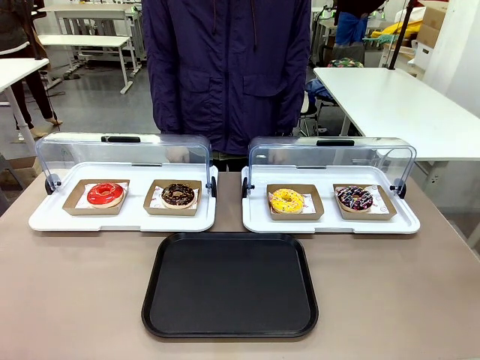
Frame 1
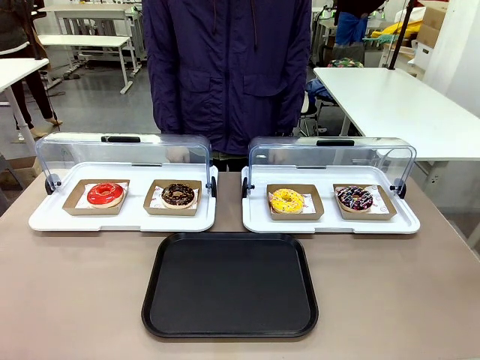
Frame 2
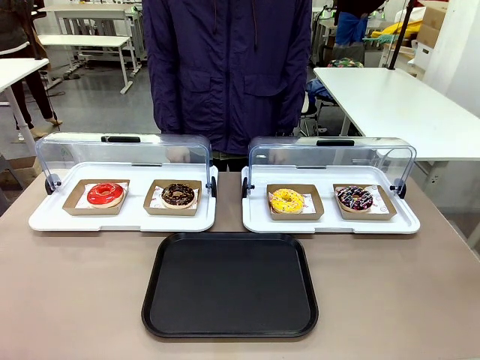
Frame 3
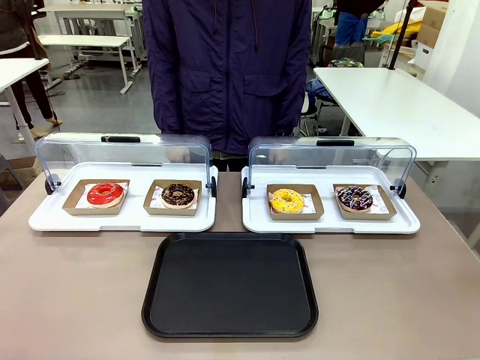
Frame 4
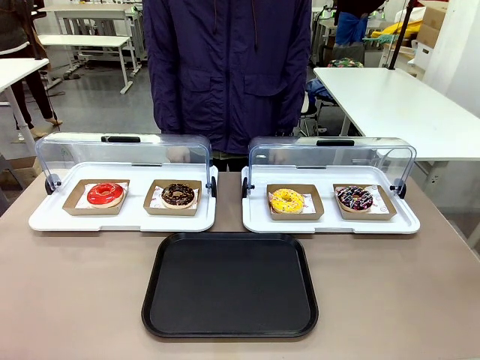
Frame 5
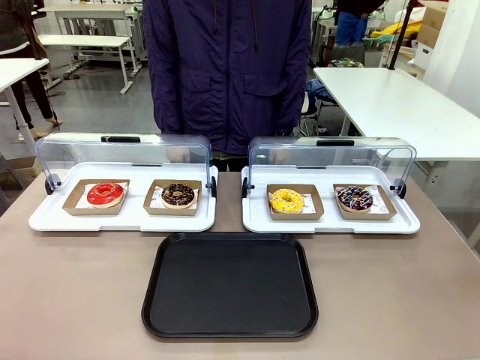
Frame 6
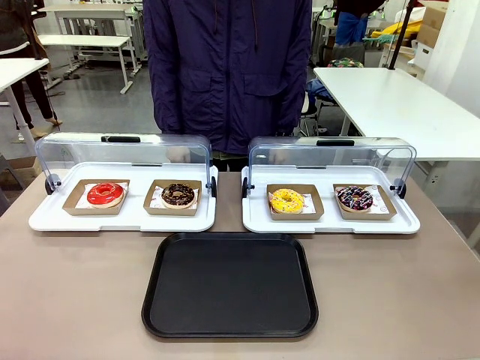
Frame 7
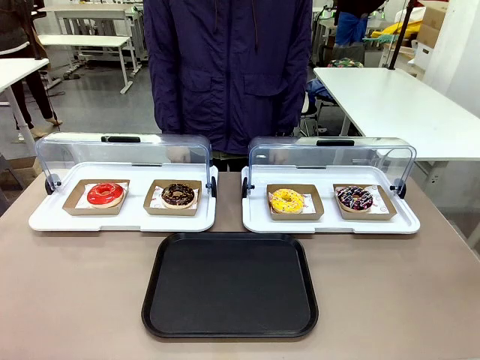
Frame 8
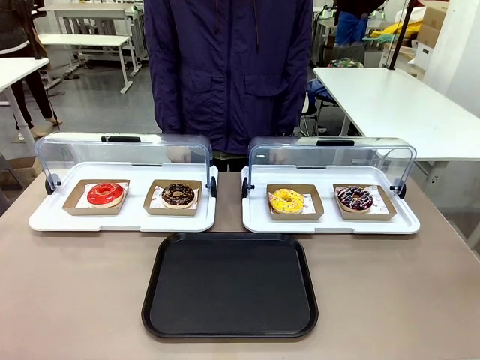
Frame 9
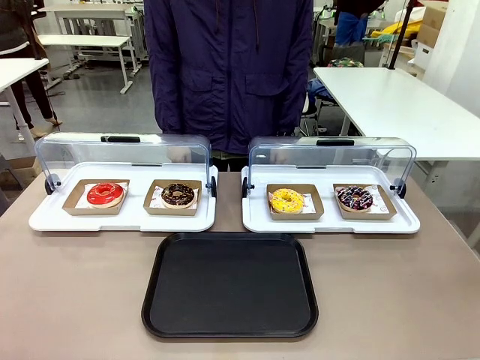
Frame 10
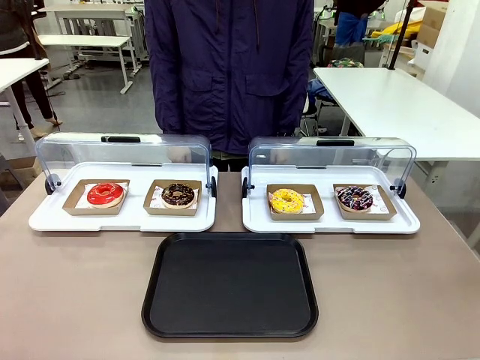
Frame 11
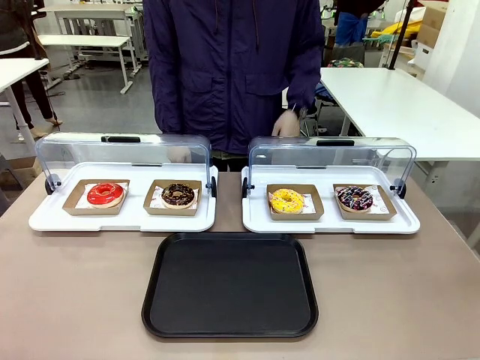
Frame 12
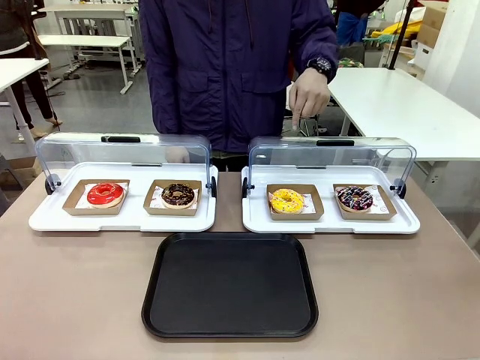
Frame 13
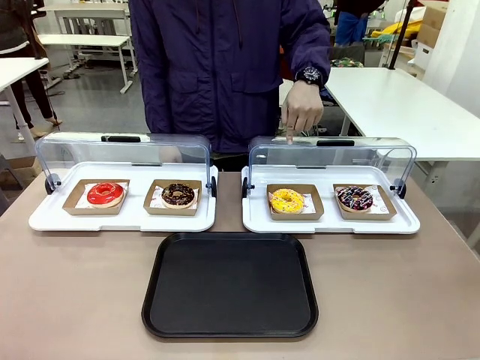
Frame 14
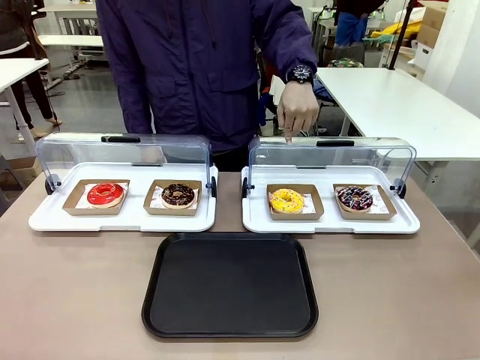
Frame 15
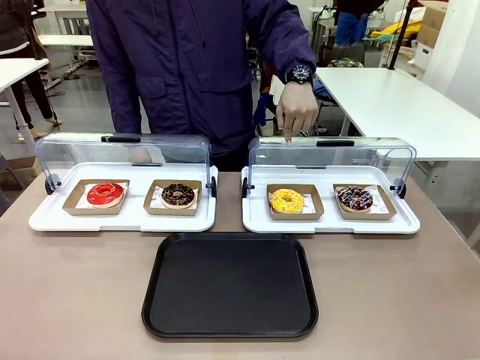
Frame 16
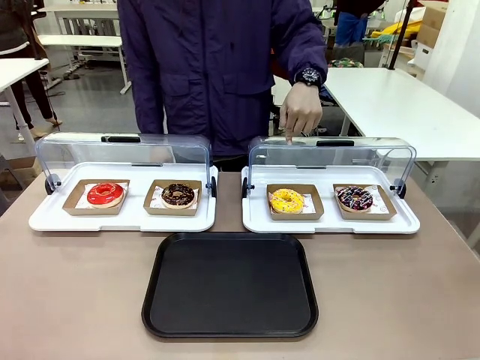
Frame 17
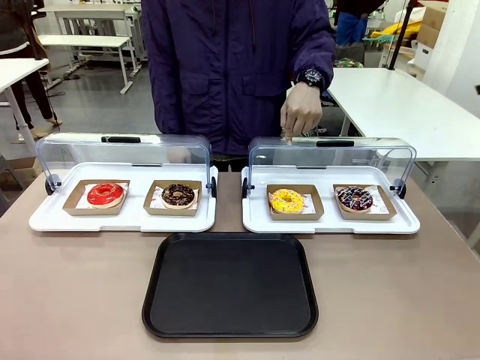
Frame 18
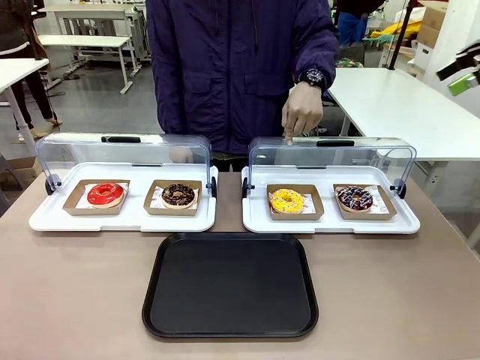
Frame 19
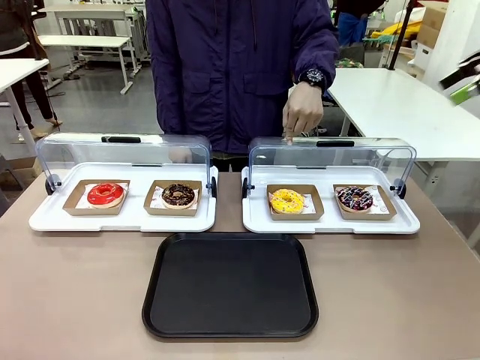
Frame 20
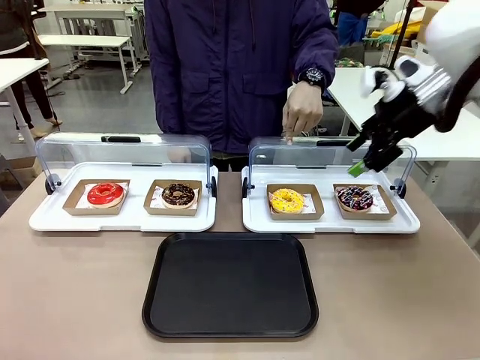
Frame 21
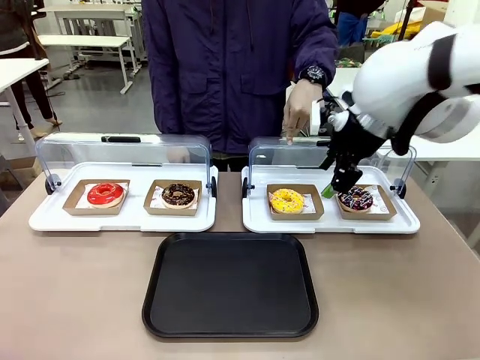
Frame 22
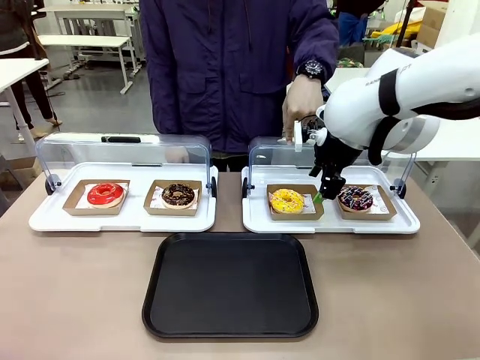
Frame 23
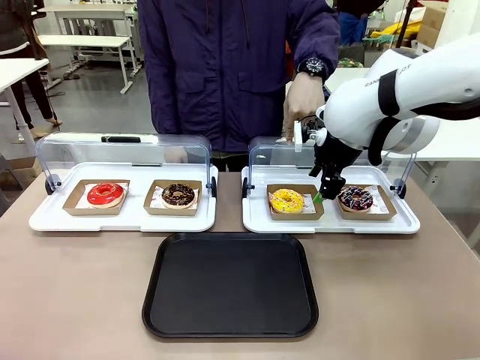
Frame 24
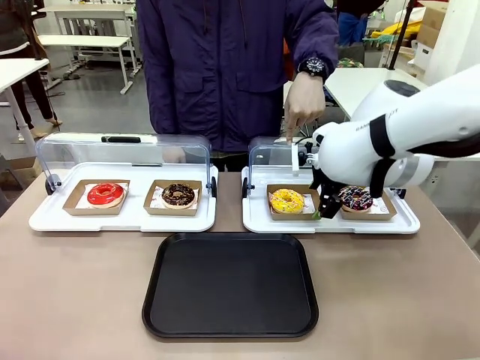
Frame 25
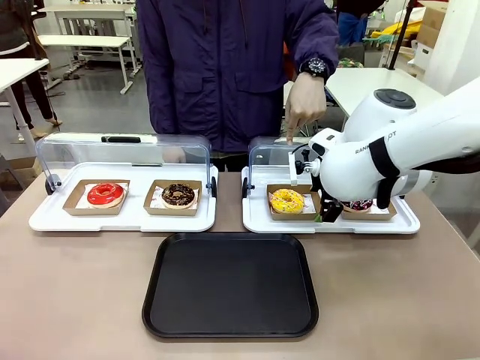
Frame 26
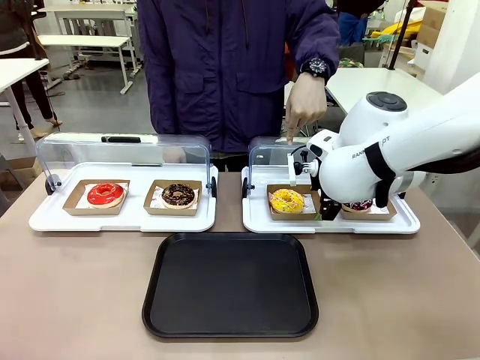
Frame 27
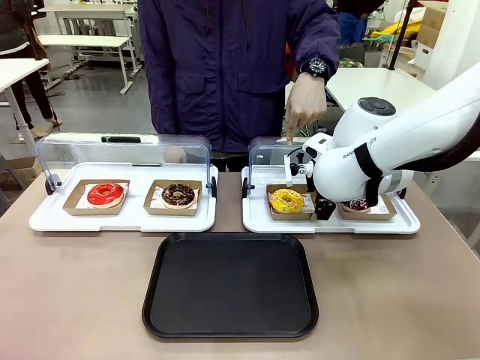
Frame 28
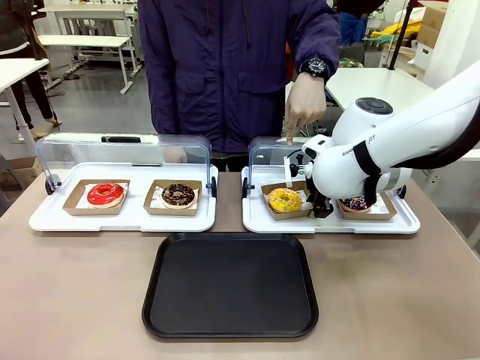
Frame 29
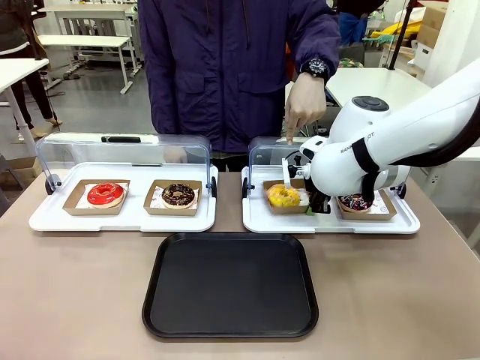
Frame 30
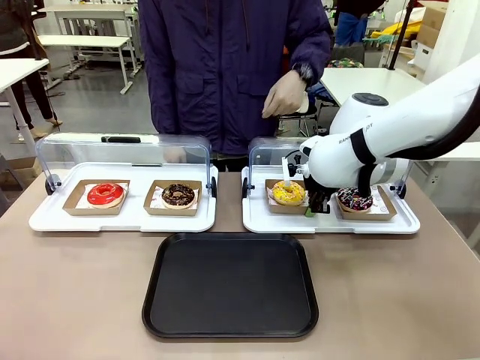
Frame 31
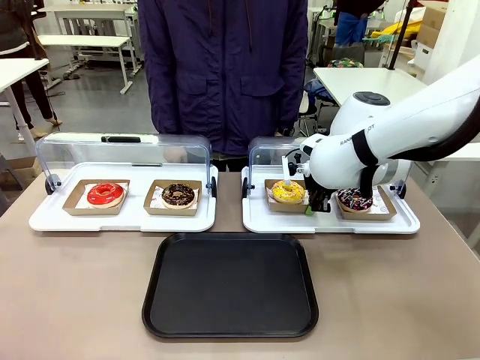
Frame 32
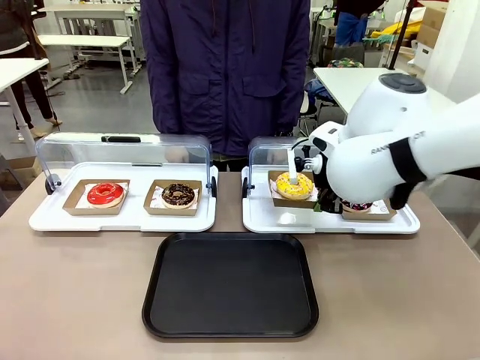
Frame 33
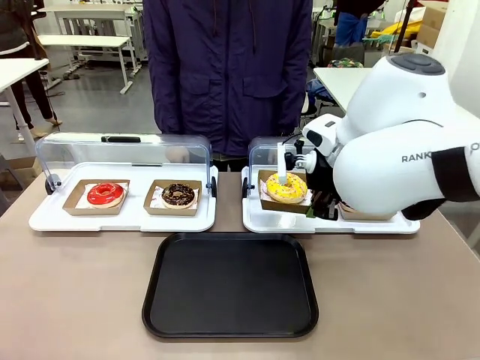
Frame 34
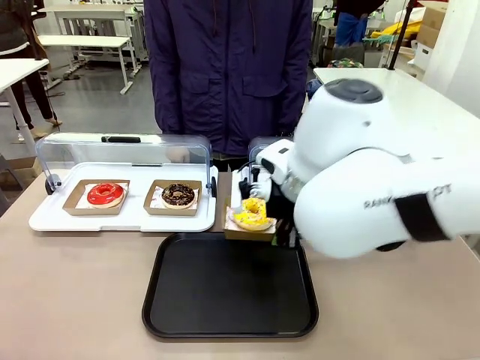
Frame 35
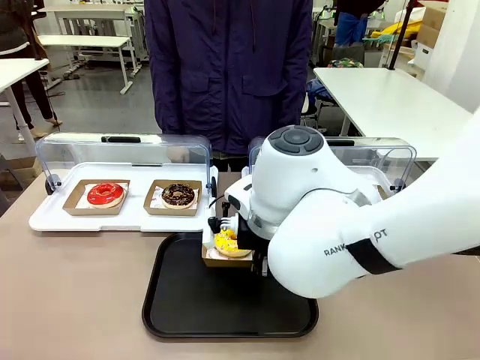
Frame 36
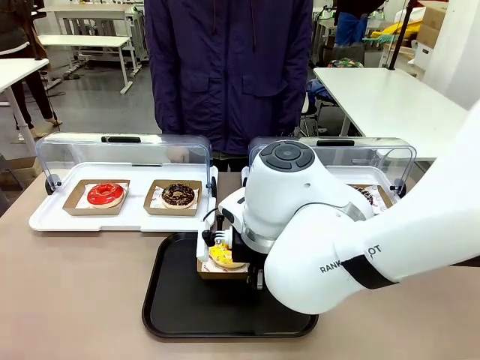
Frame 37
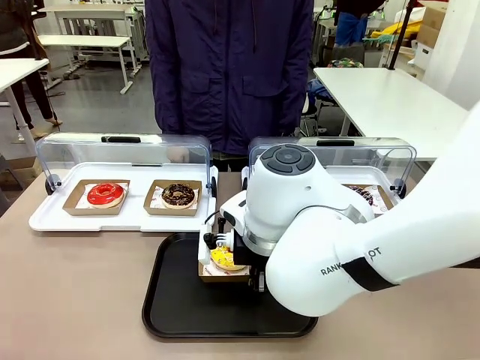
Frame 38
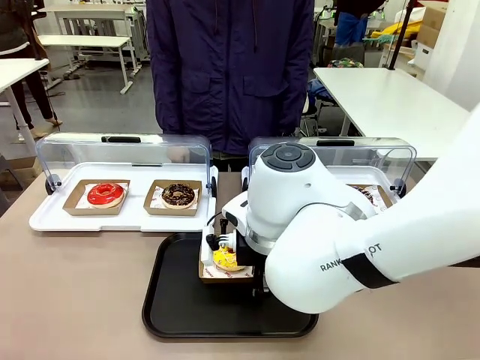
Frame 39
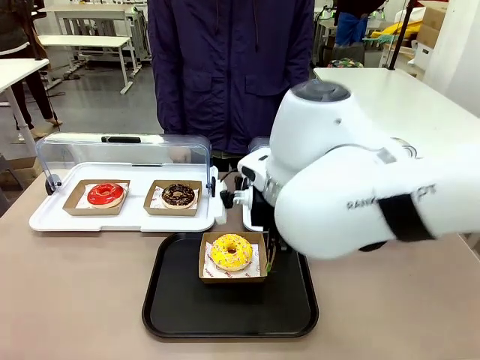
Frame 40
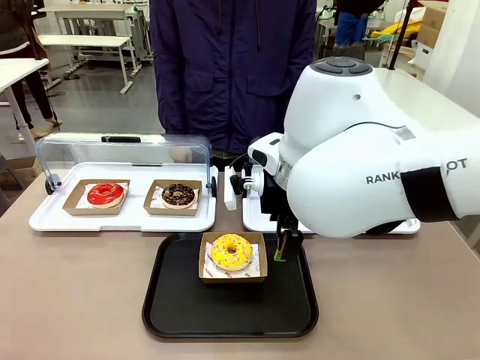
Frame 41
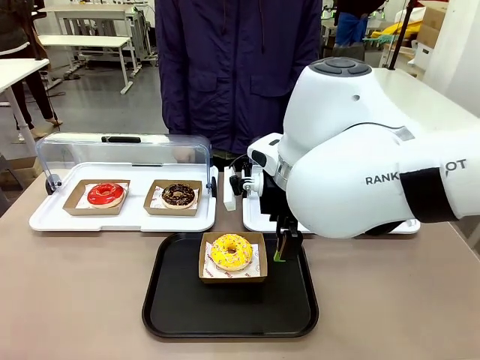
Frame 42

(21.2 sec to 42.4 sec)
Task: Move the third donut from the left to the tray.
Robot: Pick up the Paper togo box containing the Donut indicated by the person and place it on the Handle tray.

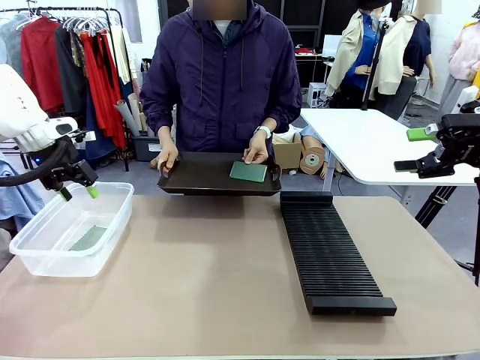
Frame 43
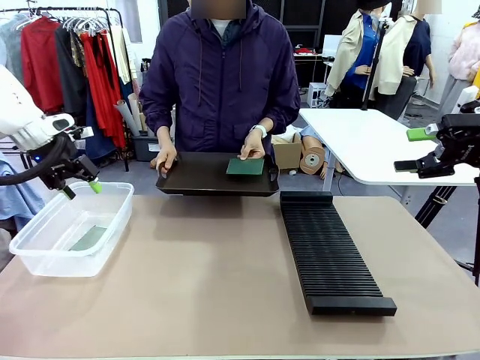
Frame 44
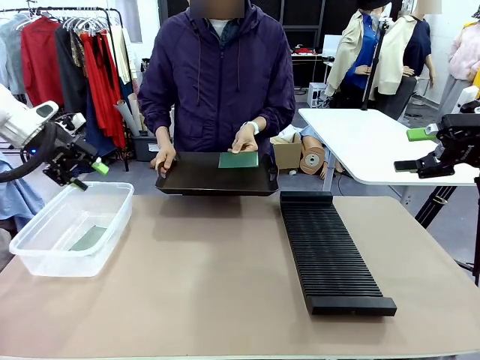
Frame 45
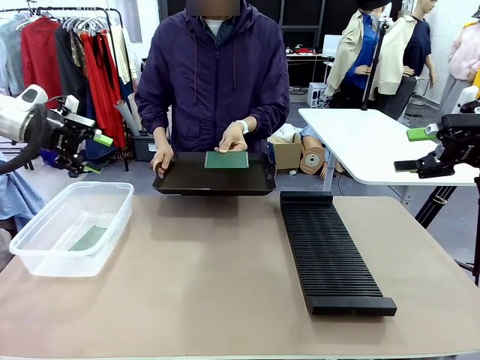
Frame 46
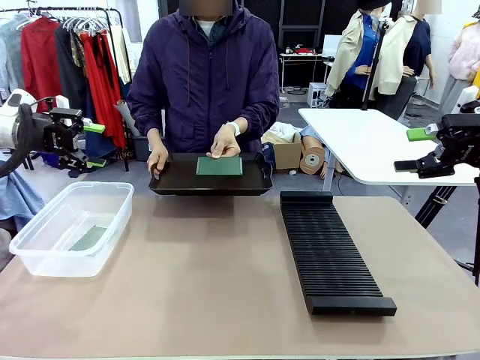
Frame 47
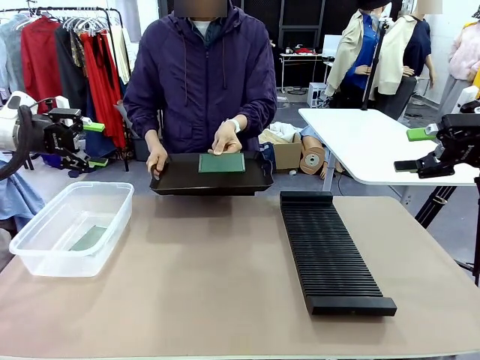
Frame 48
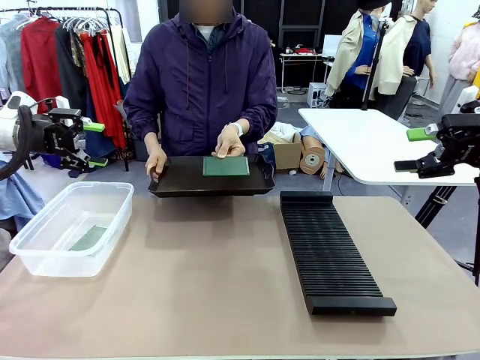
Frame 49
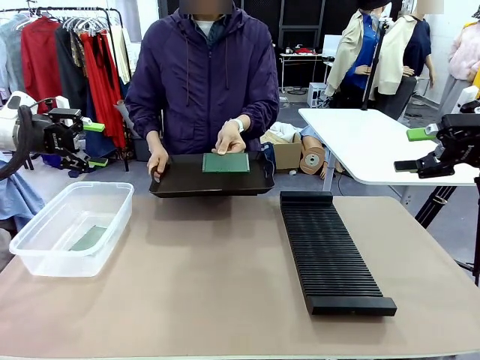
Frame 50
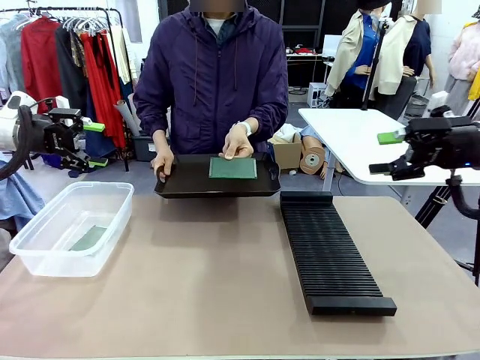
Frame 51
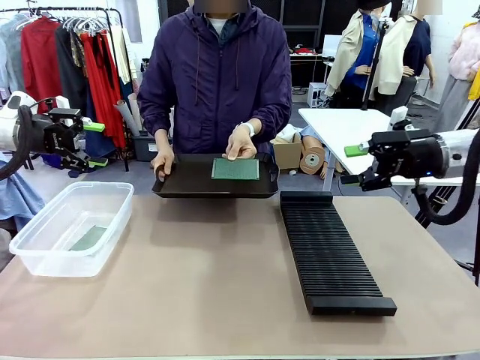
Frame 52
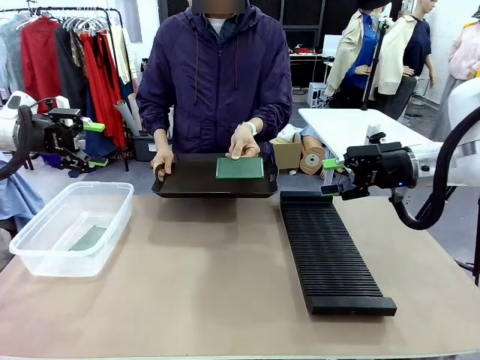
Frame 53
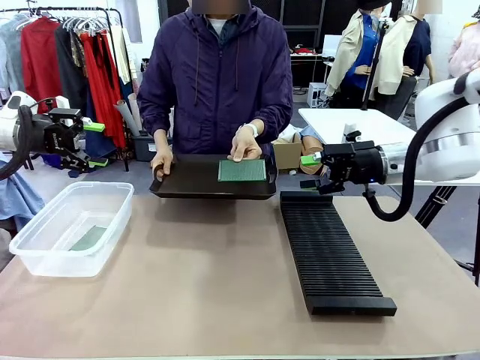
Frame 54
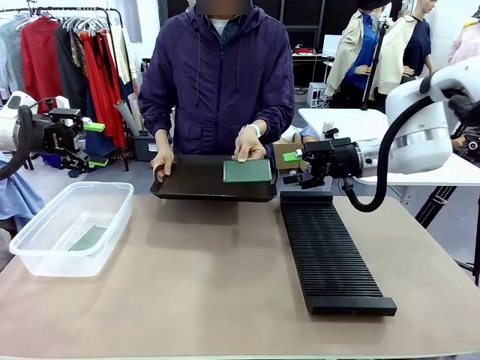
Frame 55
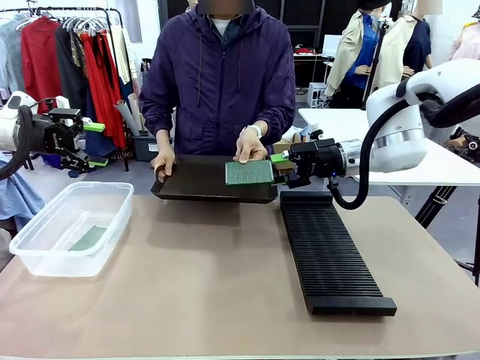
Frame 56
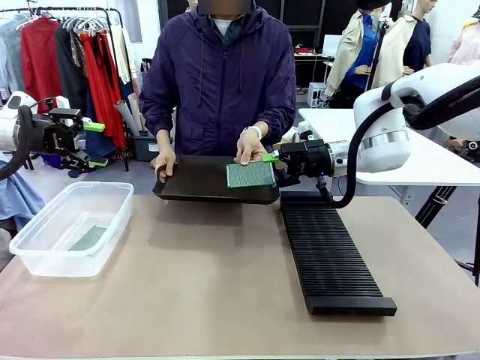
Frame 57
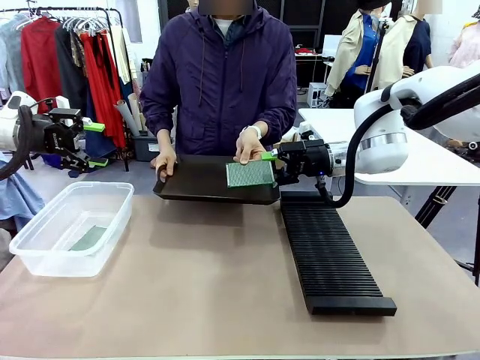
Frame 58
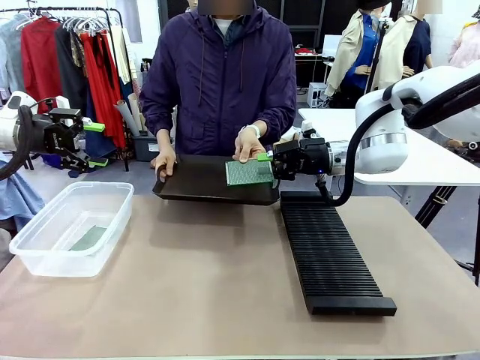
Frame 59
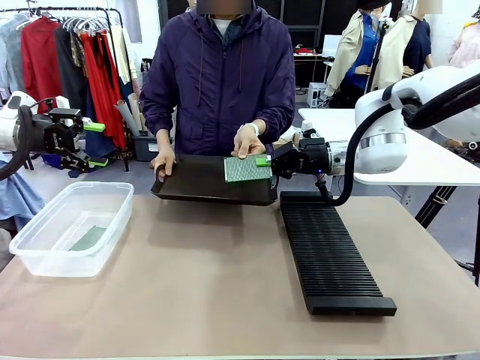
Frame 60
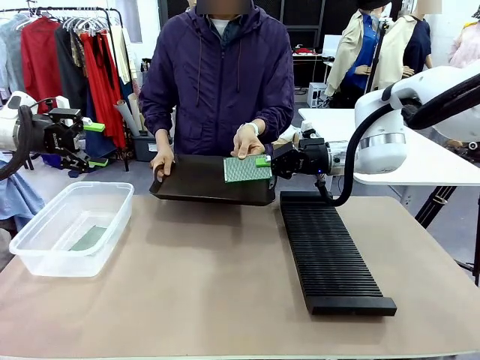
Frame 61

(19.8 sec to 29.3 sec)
Task: Sort PCBs into racks and boxes based on the side picked up.
Robot: Pick up the Blank PCB handed by the Human.
